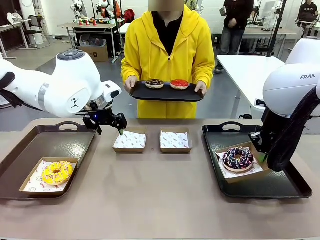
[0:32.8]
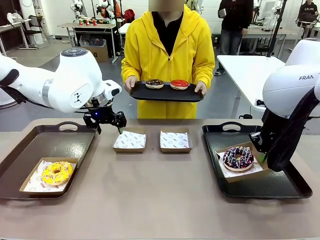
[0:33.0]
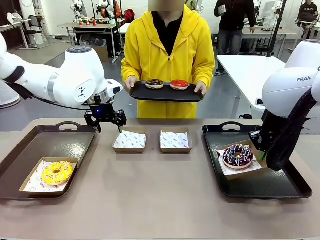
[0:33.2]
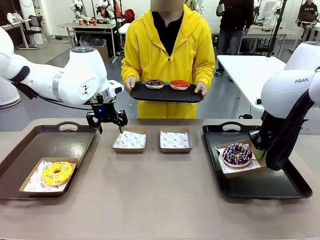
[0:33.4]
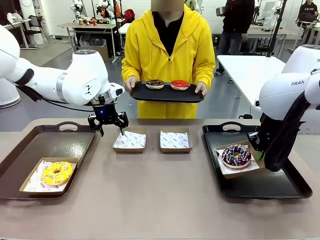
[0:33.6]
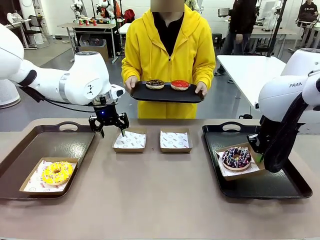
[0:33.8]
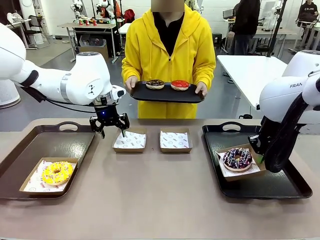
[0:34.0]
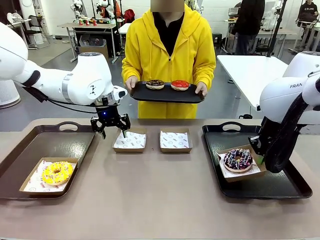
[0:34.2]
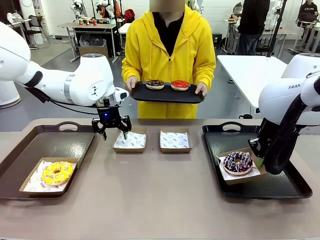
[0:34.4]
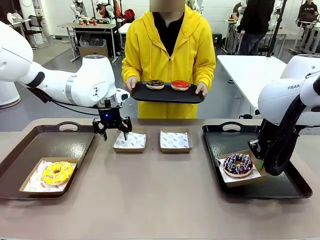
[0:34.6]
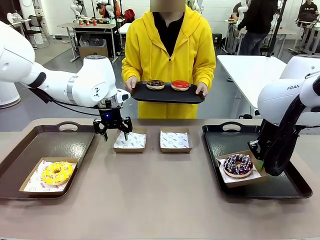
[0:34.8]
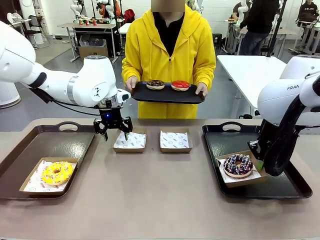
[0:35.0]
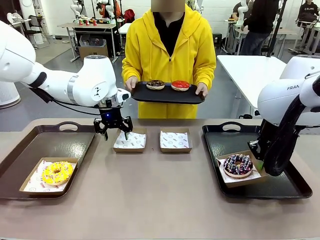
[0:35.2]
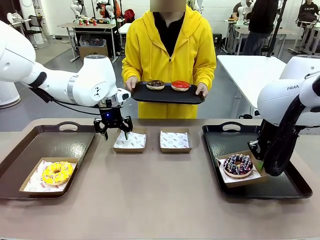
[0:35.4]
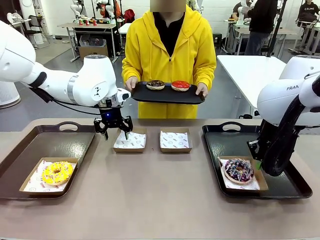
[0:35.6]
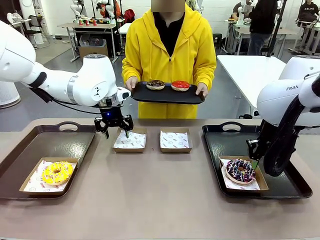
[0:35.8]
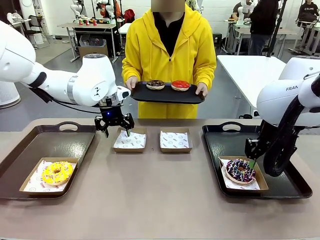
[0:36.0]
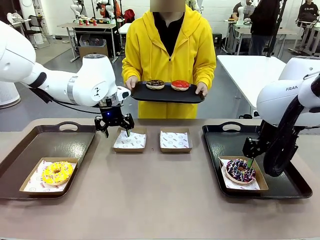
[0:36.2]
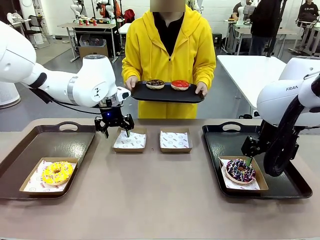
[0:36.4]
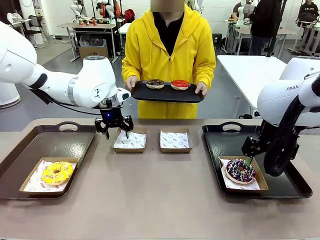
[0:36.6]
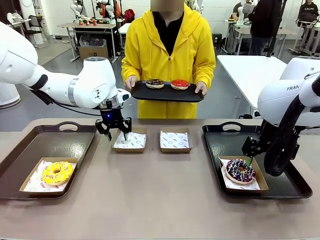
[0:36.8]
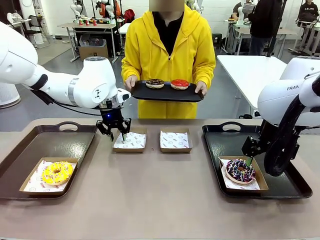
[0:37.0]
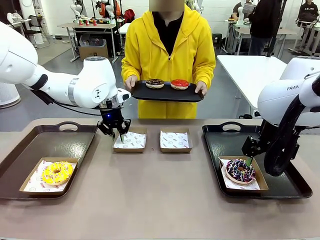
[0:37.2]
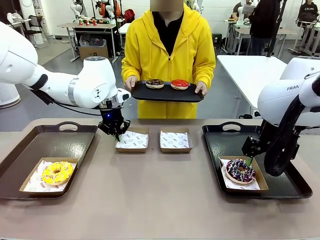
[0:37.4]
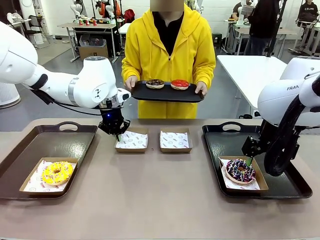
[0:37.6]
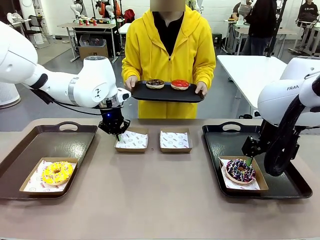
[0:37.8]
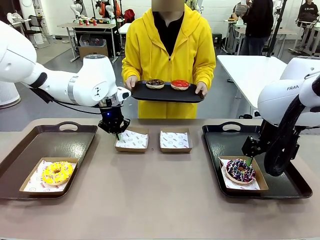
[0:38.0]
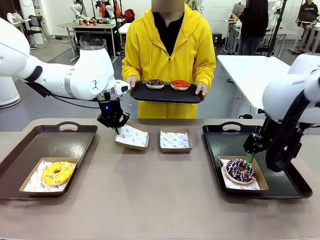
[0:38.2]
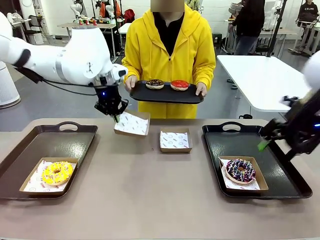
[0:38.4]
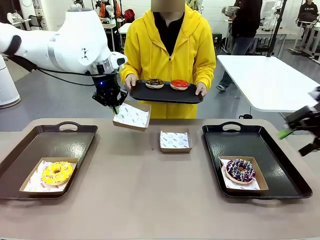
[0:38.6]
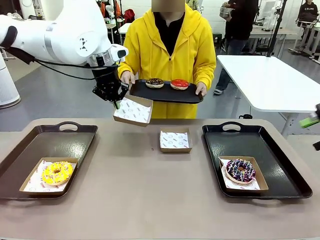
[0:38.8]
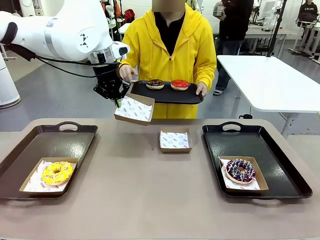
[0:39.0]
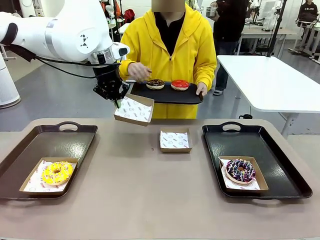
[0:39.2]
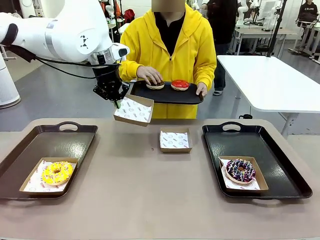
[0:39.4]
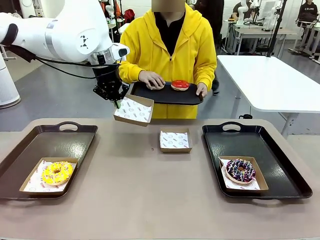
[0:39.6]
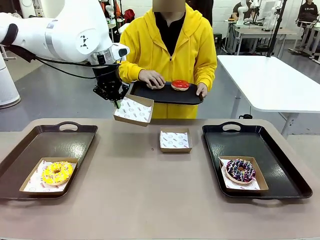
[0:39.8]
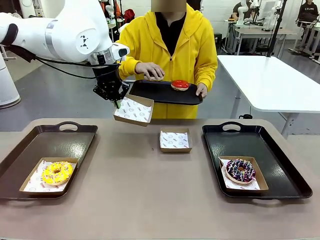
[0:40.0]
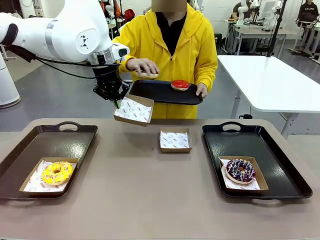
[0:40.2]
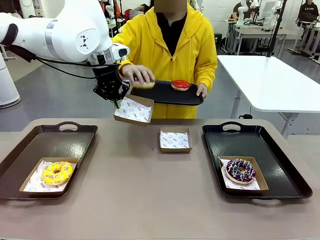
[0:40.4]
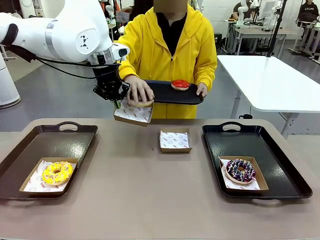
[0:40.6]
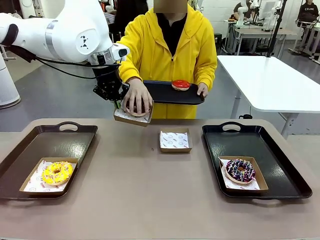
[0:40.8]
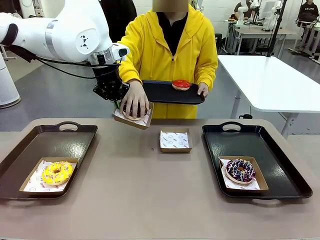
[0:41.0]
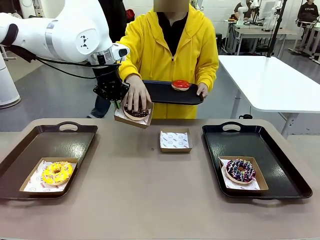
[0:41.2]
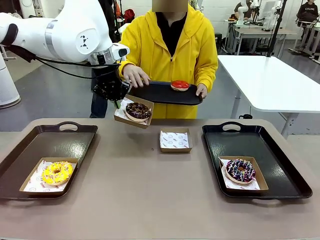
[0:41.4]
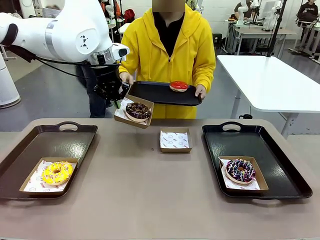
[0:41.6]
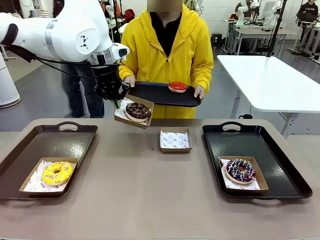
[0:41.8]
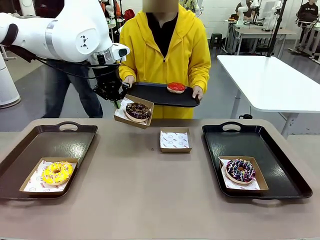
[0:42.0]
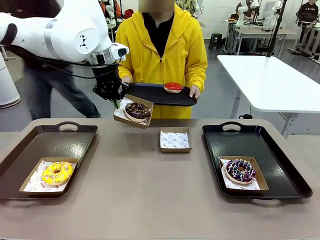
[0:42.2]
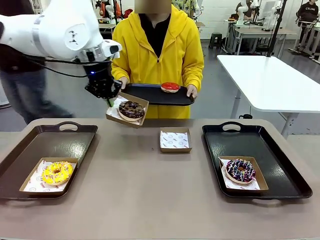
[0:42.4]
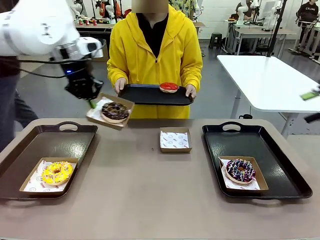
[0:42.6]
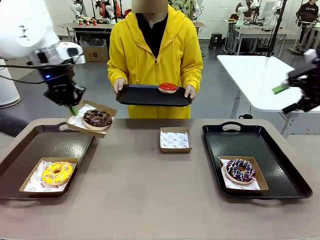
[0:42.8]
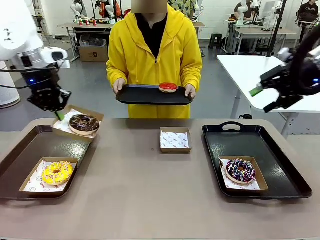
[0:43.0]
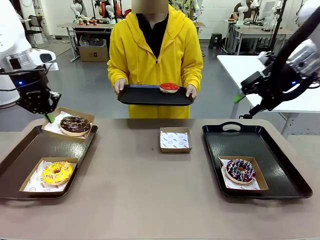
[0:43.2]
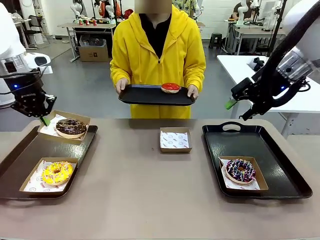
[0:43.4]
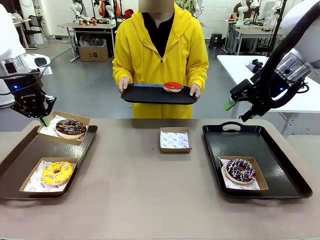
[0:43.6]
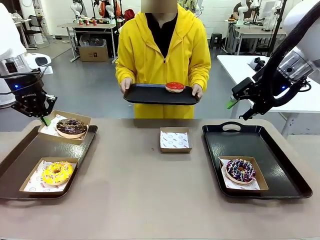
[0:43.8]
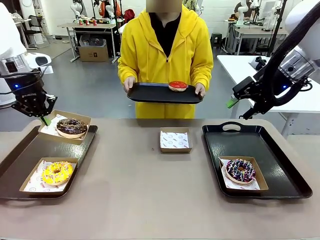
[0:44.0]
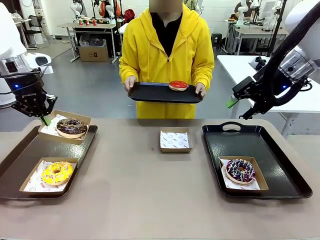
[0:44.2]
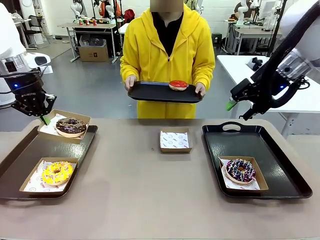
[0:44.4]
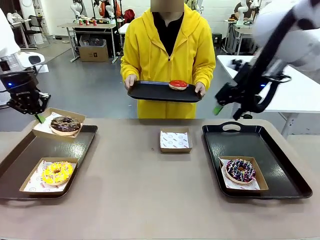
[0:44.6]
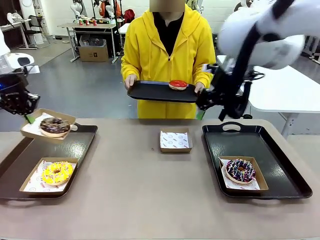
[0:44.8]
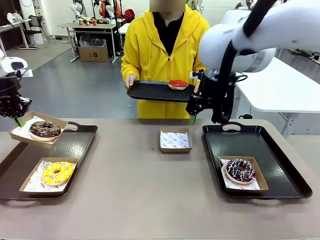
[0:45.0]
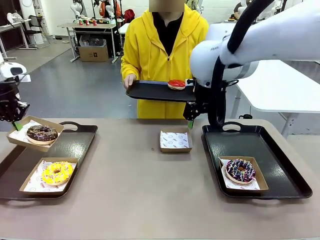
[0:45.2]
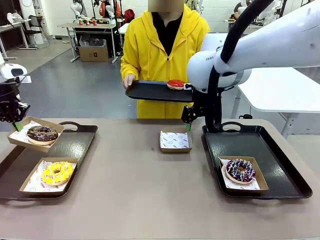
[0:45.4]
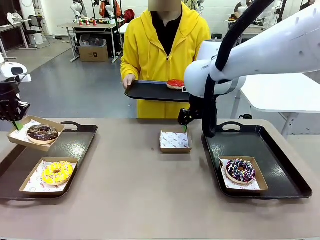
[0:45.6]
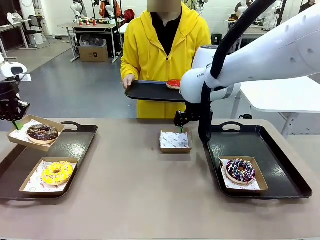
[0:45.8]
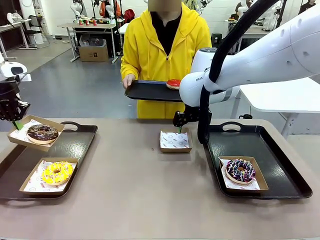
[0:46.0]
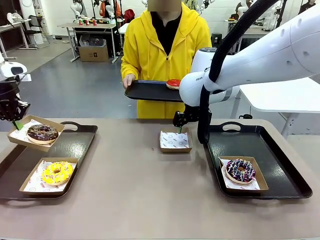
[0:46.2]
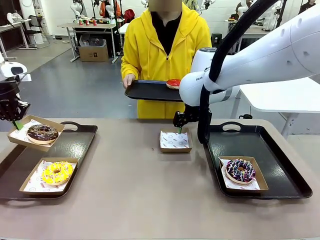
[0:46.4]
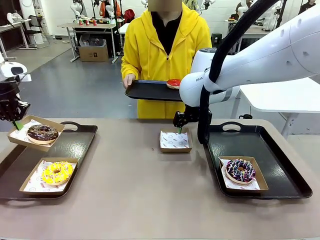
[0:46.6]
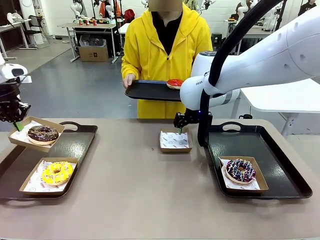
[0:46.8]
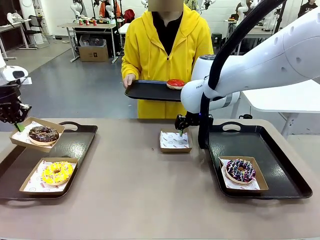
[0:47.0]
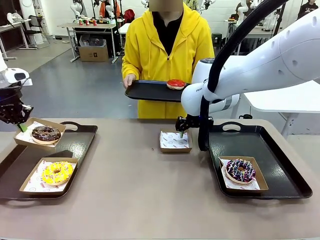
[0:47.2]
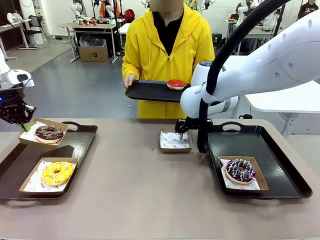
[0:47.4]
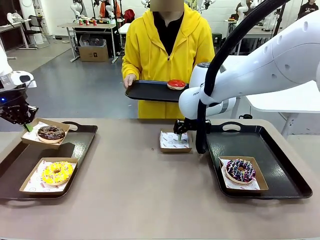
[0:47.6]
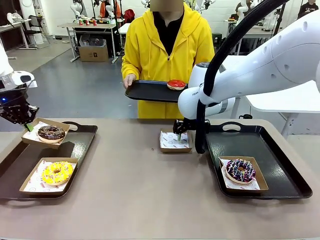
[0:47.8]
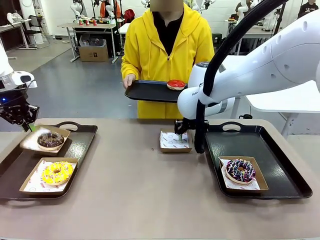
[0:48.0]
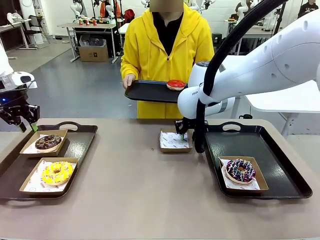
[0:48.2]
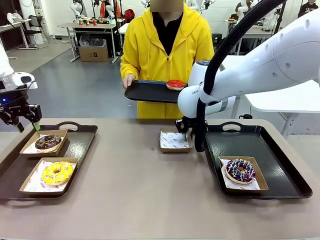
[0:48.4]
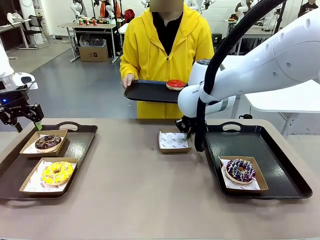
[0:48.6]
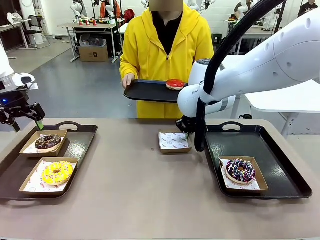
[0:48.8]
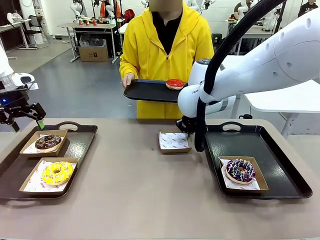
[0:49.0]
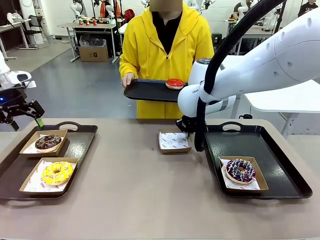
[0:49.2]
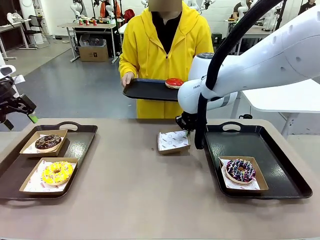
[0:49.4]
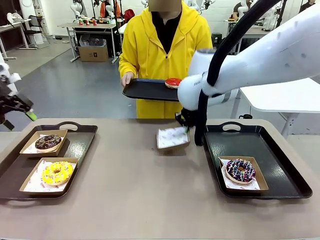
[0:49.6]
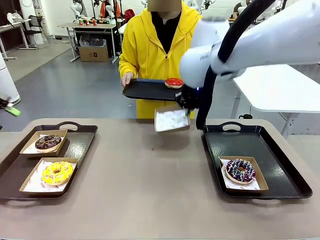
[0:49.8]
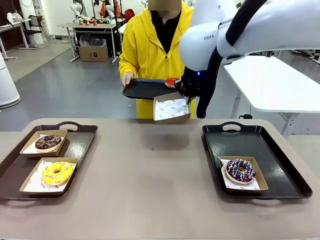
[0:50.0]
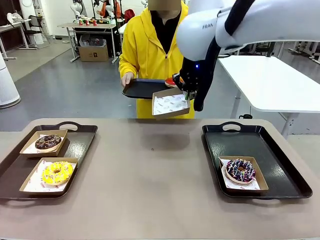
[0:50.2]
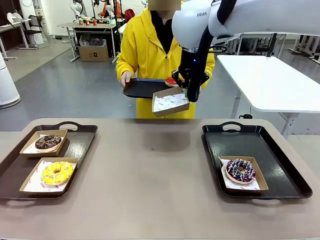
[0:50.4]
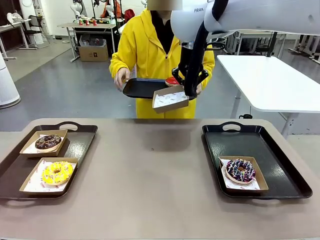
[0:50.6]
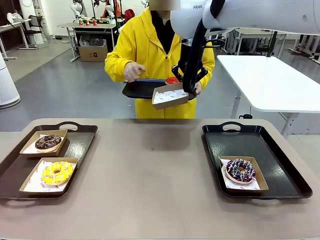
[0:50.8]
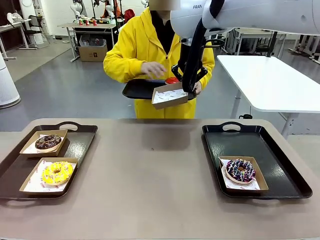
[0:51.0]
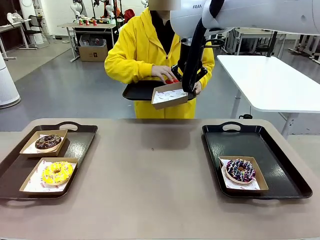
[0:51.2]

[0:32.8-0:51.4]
Task: Individually package the donuts and arrange them on the tray.
Robot: Place the picked Paper togo box on the Handle tray while simultaneously picking up another Paper togo box from the table with the other hand.
